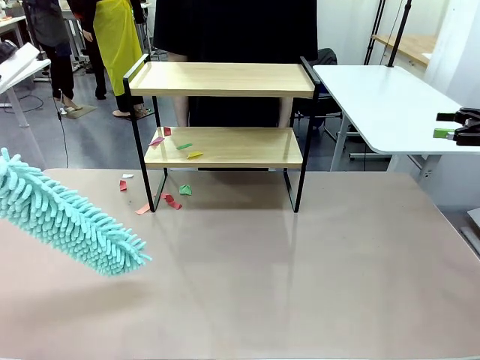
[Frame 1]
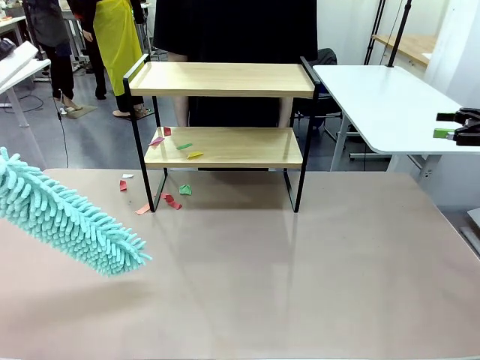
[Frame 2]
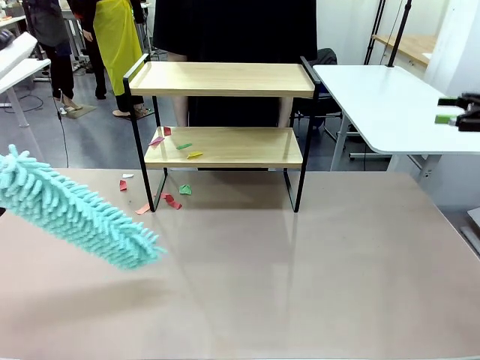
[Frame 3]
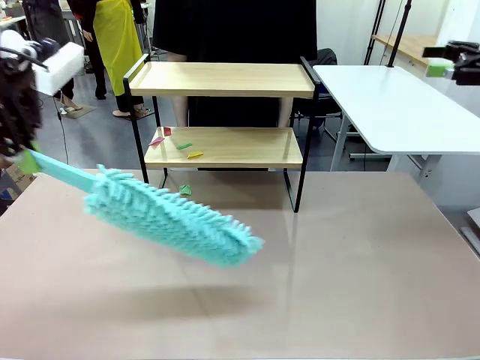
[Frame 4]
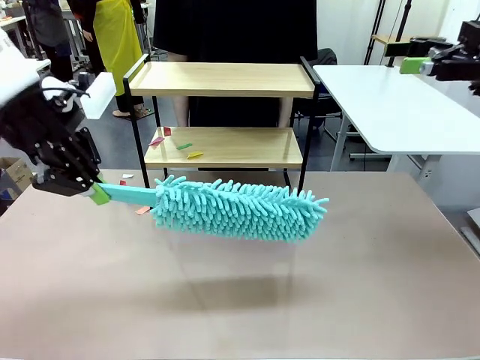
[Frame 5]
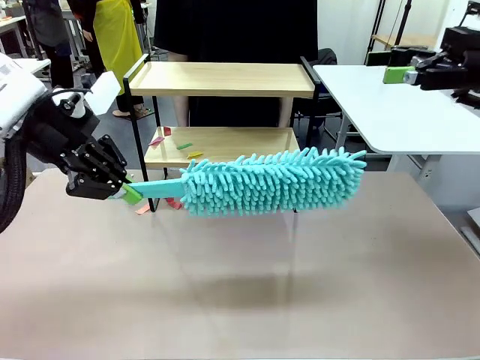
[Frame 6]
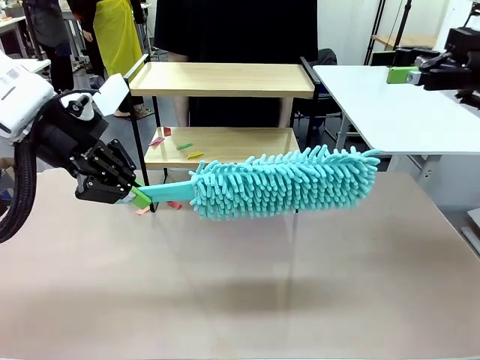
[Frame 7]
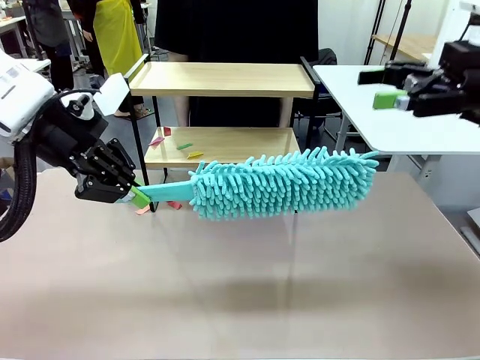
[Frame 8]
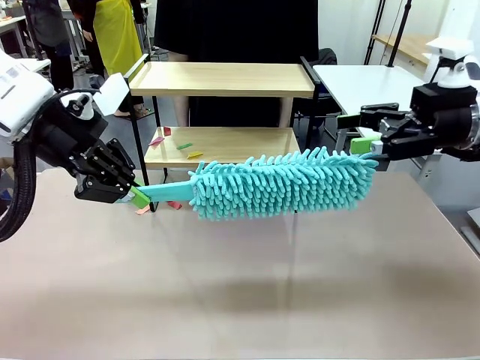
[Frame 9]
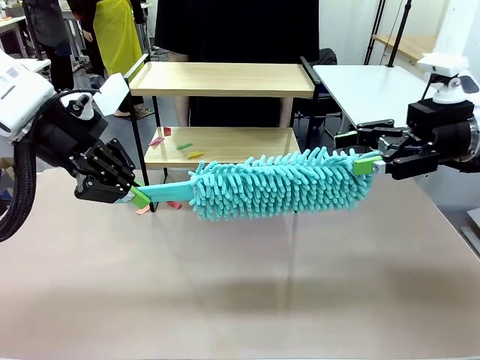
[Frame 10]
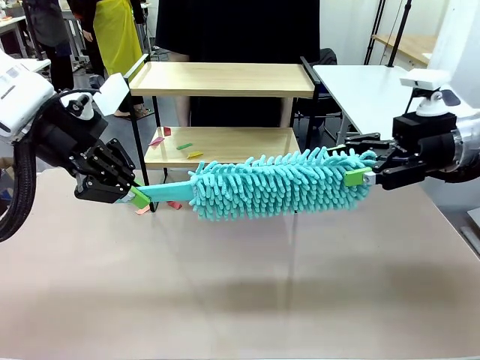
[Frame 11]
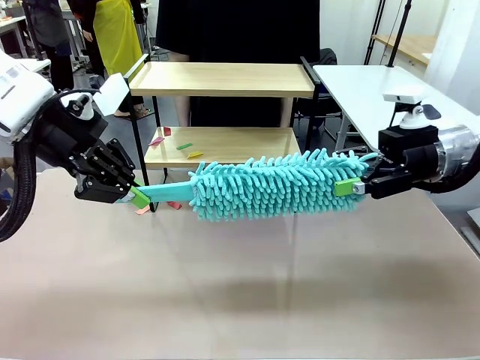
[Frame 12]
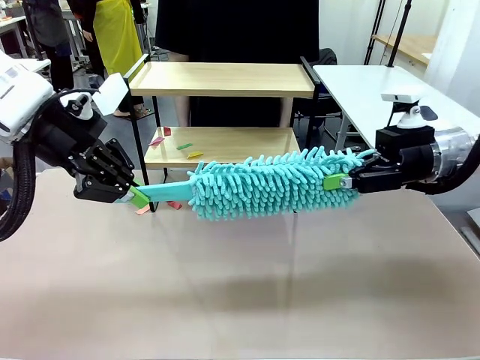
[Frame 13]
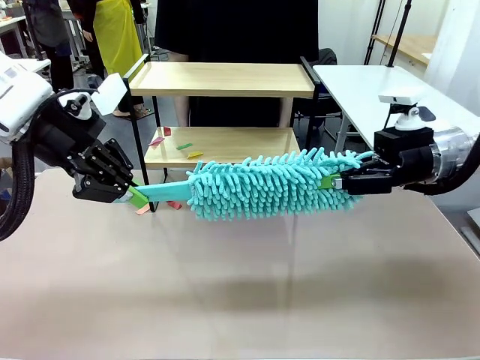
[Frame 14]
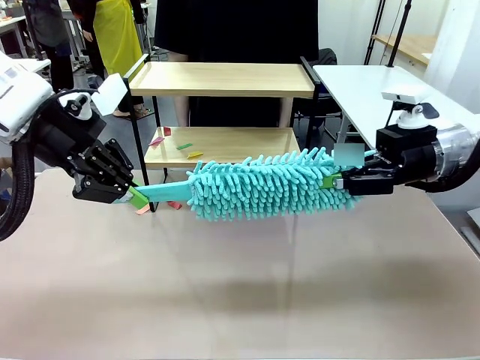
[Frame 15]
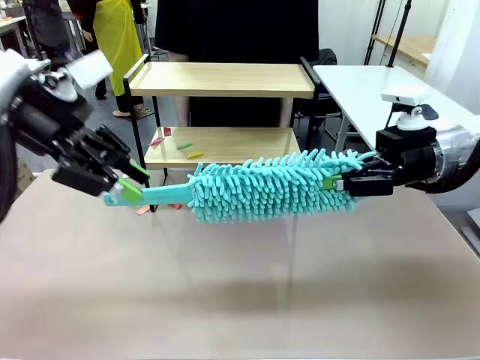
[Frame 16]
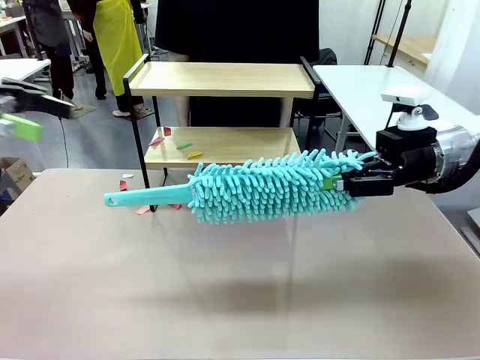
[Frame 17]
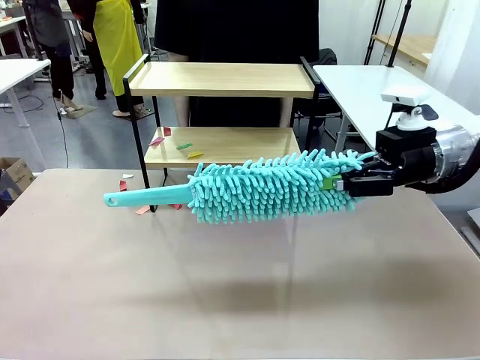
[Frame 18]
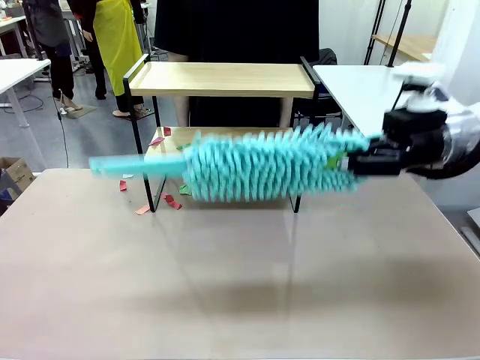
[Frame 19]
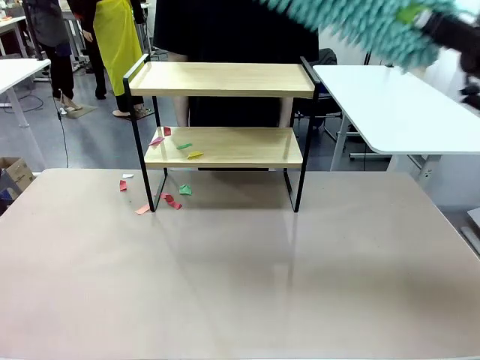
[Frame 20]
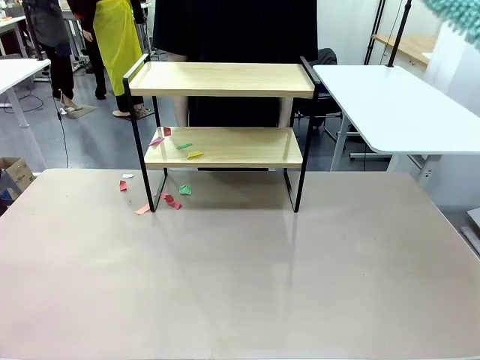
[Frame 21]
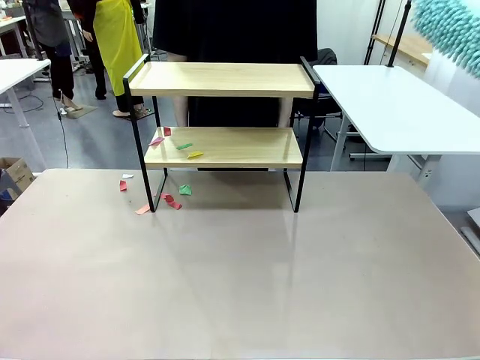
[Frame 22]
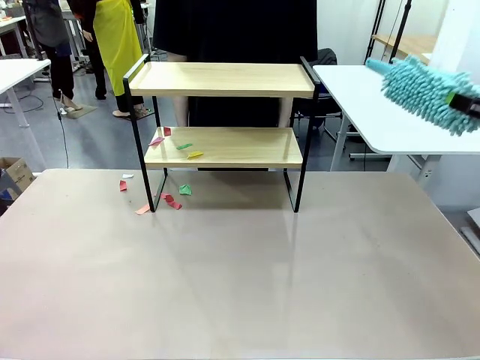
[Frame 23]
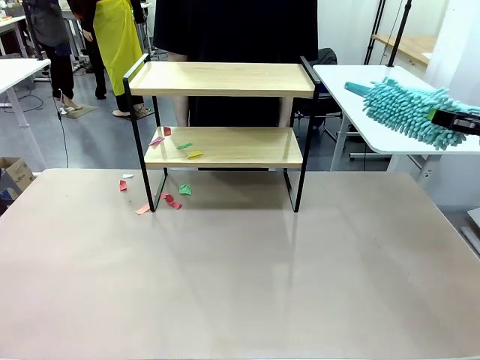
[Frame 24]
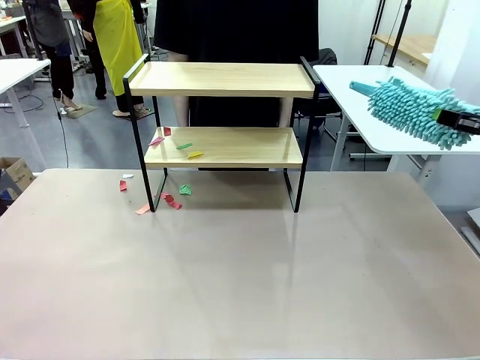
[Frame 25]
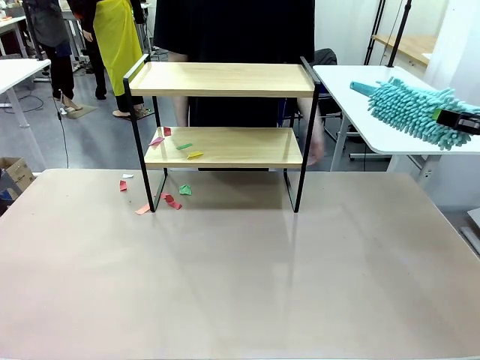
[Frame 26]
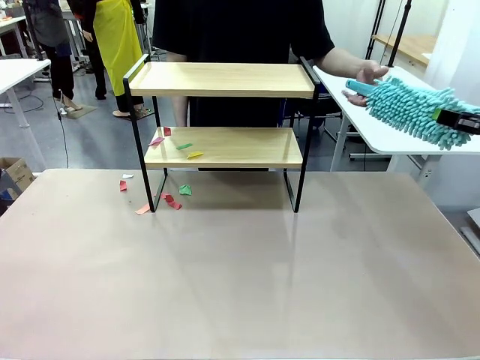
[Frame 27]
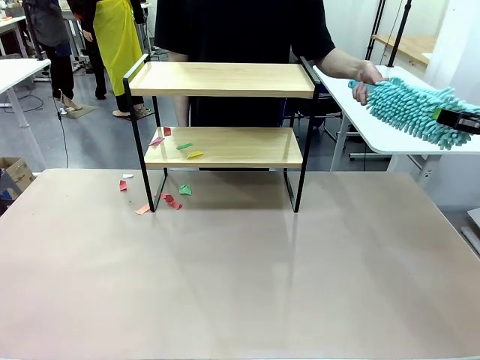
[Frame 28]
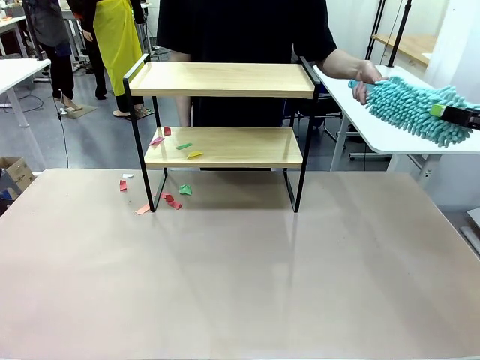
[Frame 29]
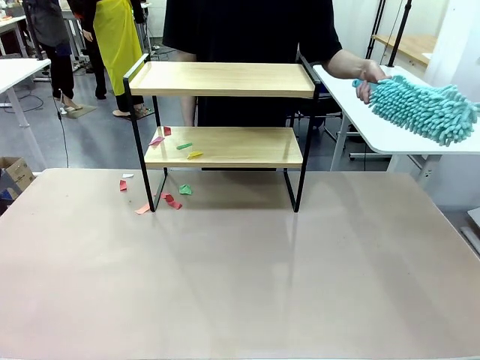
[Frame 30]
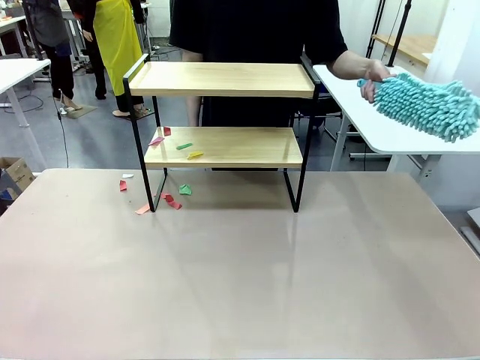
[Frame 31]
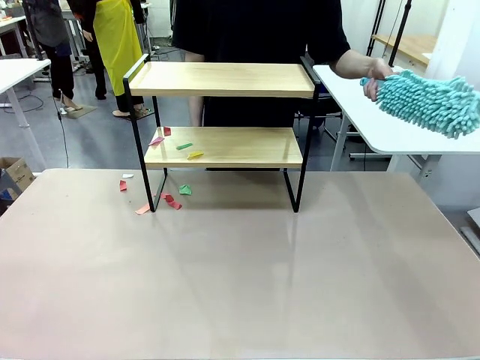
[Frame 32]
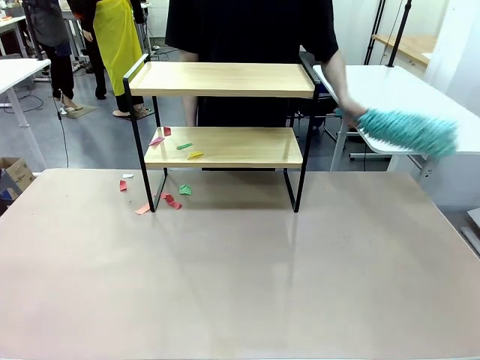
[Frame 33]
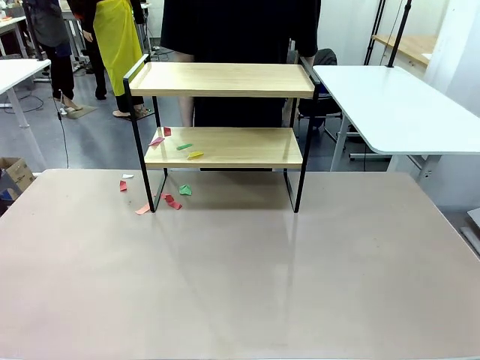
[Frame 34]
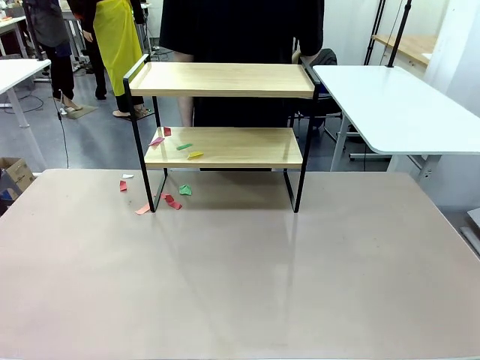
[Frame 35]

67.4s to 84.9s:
Task: Clean the shelf.
Robot: Hand the Duster back to the human.
Person: Receive the Duster from the robot.

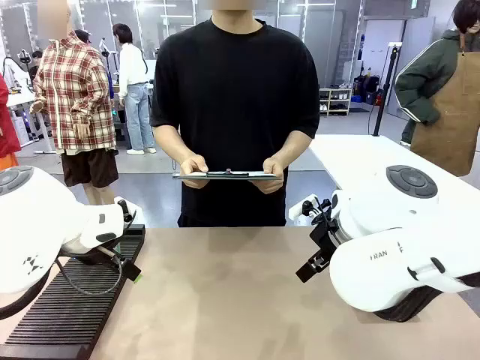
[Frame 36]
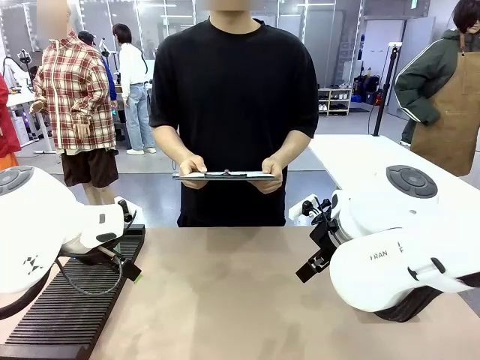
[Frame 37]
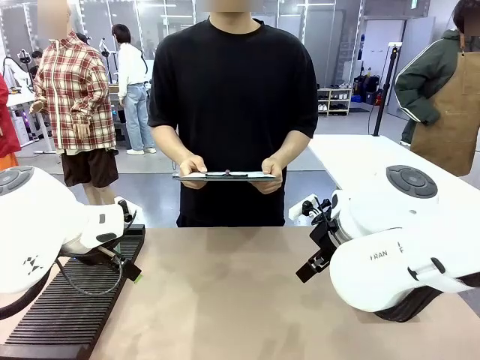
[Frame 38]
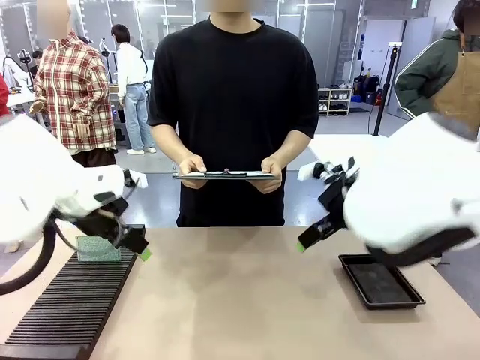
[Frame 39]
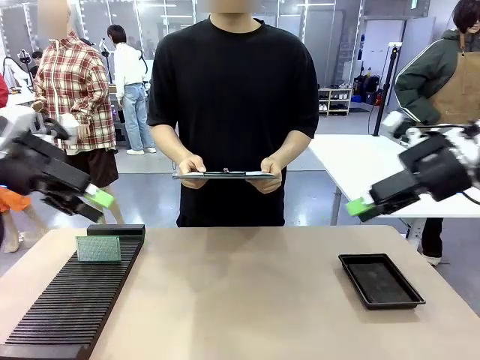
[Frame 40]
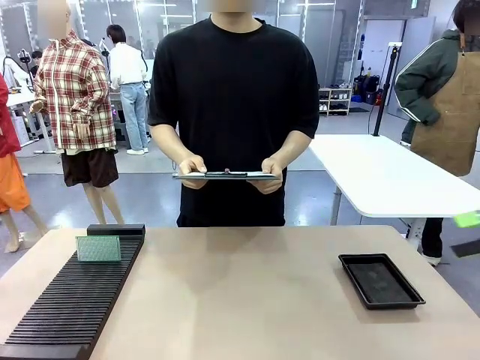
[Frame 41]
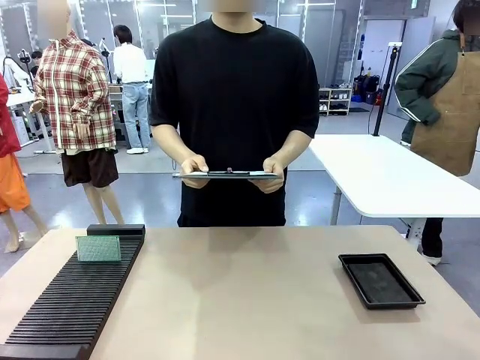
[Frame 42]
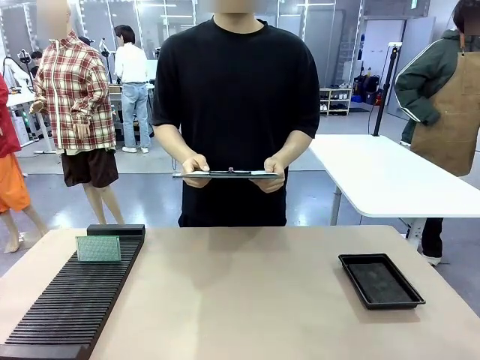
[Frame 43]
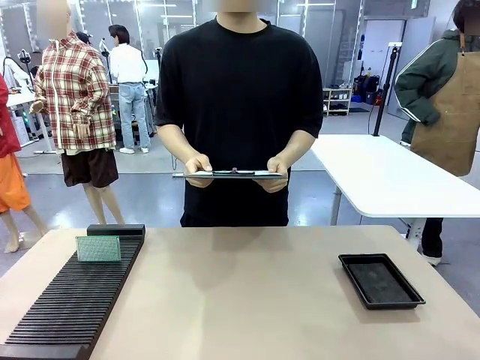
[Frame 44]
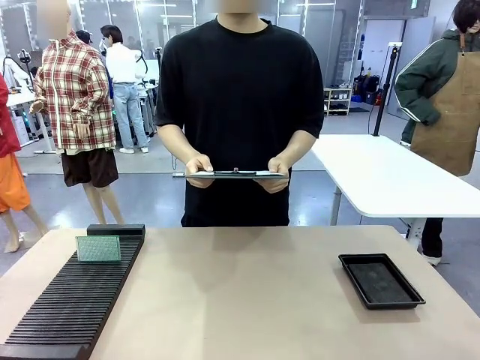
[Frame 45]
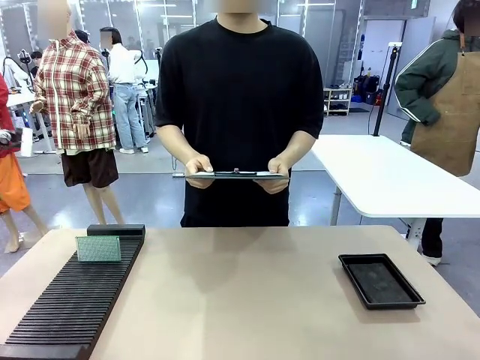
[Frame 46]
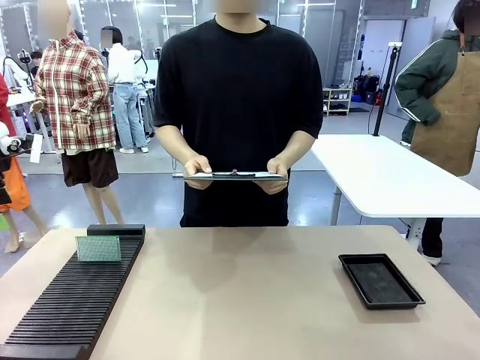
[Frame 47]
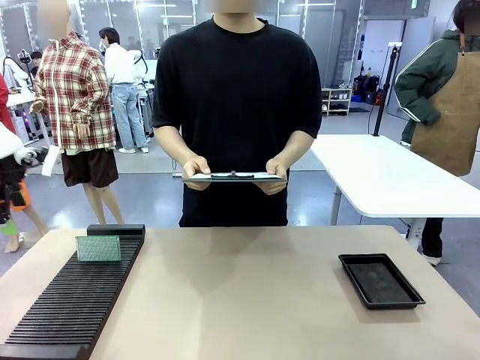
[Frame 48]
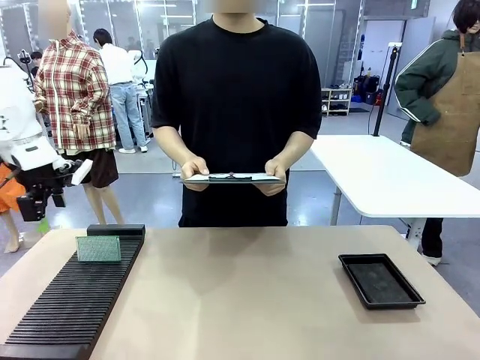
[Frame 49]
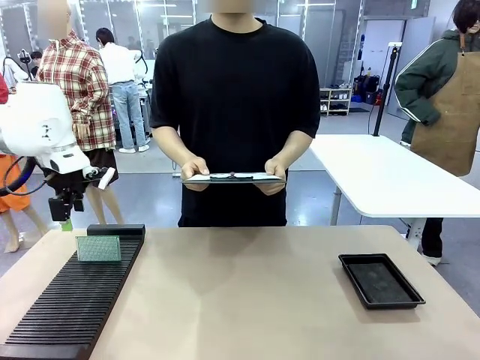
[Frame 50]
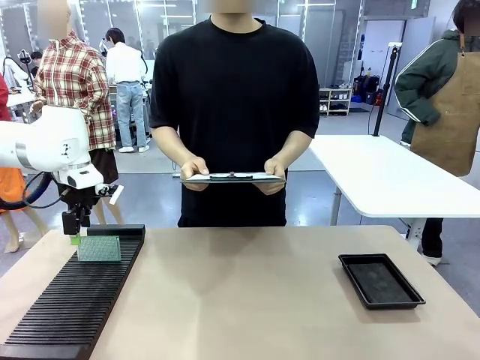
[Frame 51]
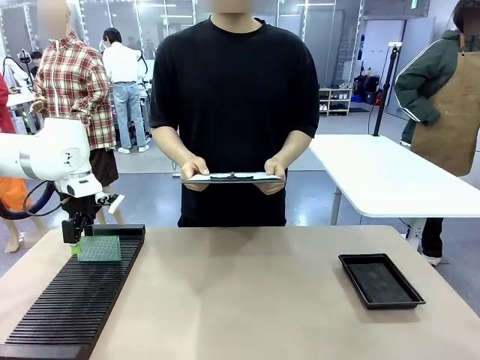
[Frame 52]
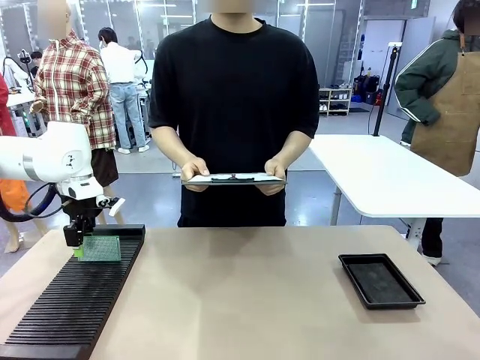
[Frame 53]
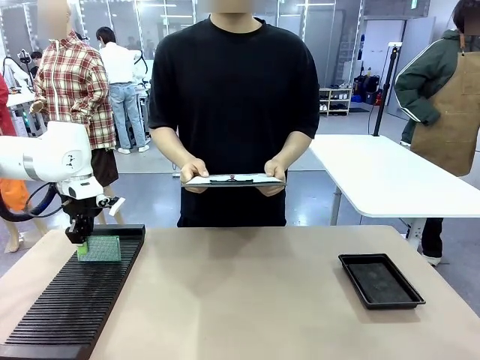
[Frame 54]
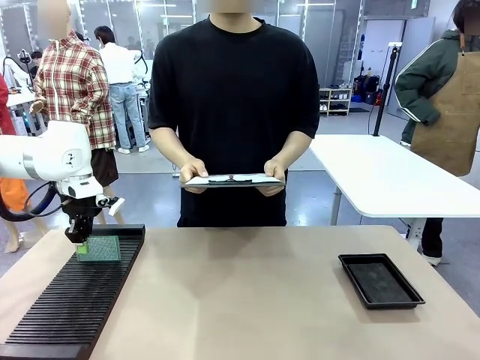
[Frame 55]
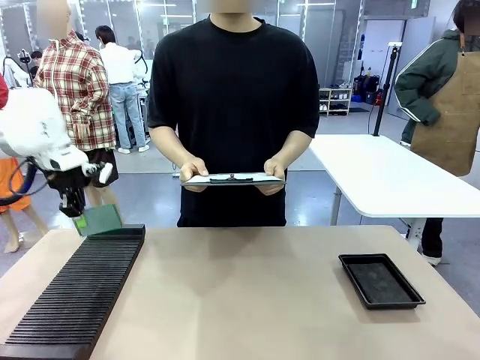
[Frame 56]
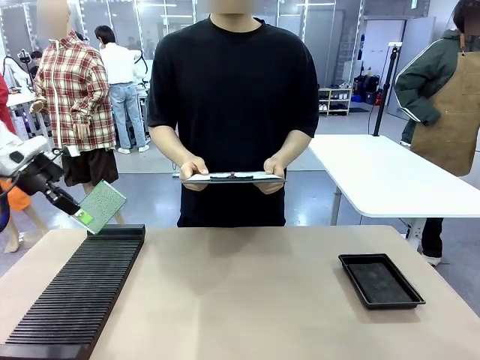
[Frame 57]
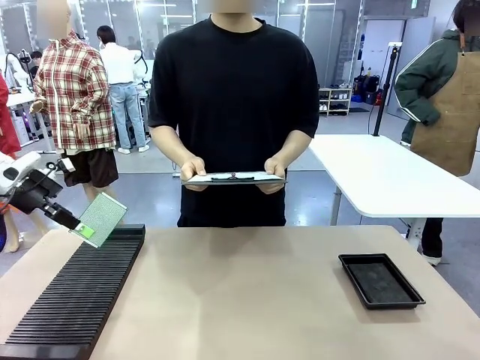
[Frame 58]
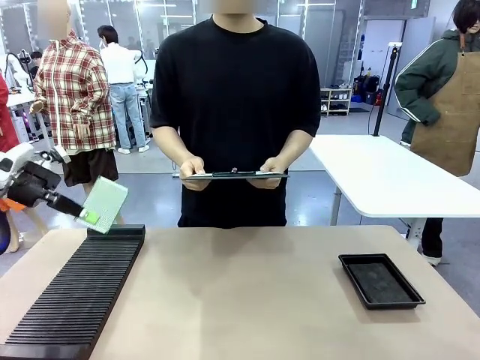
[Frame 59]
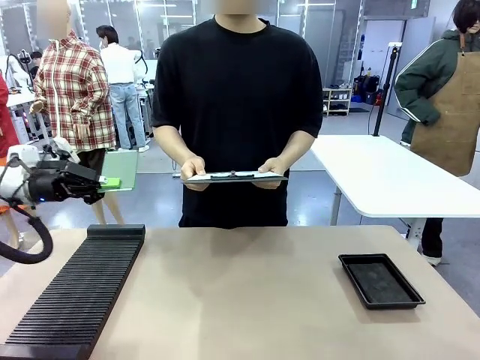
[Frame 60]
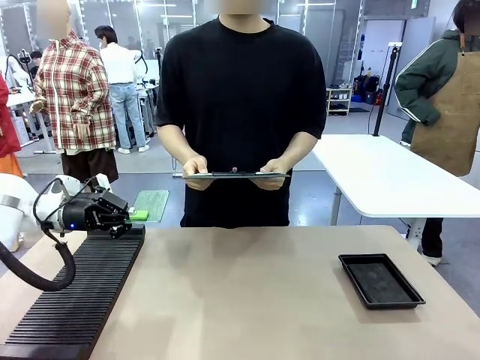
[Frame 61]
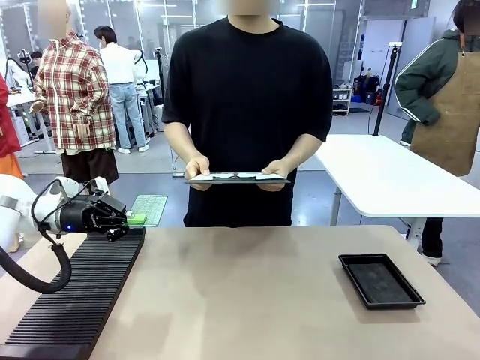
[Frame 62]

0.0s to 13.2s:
Task: Inspect the PCB.
Robot: Pick up the Blank PCB and present it to the human.
Person: Pick up the PCB presented by the robot.
